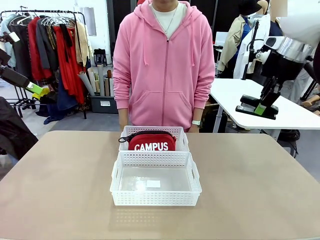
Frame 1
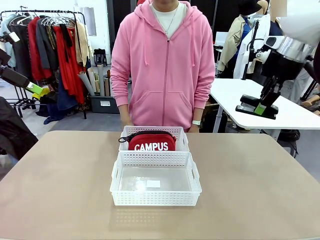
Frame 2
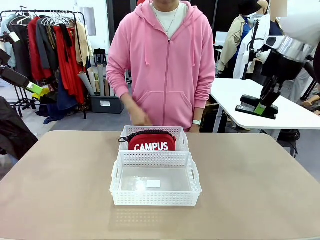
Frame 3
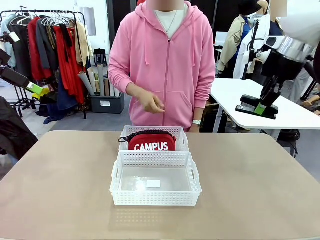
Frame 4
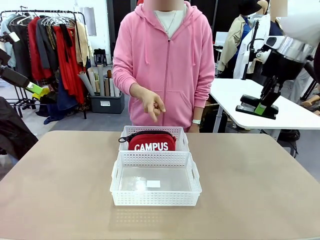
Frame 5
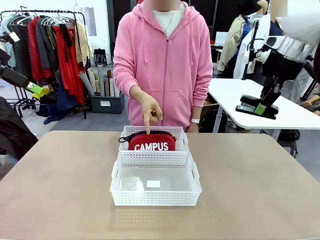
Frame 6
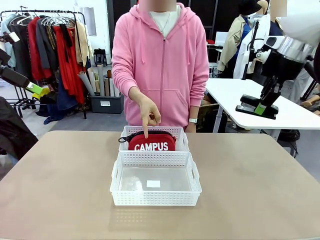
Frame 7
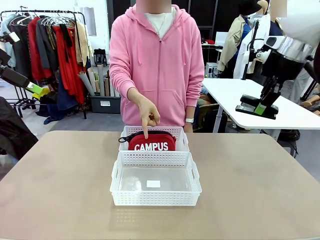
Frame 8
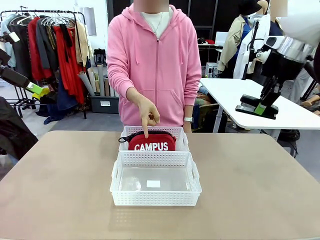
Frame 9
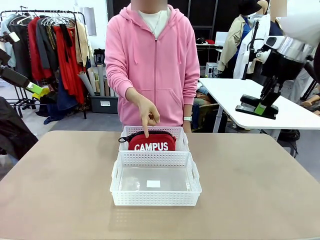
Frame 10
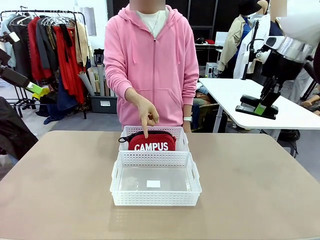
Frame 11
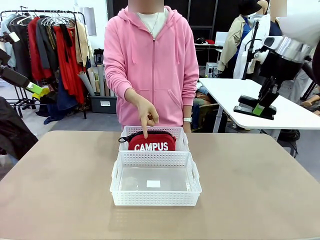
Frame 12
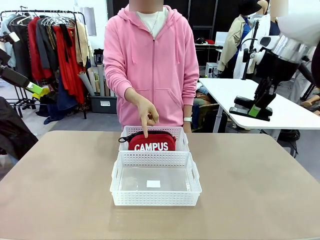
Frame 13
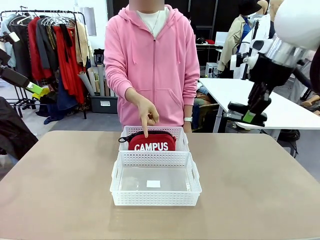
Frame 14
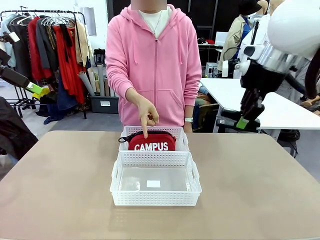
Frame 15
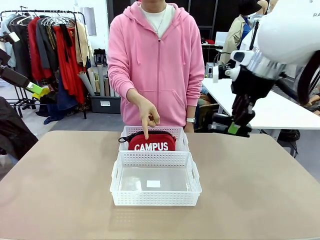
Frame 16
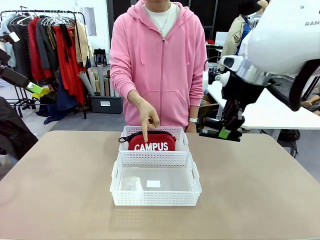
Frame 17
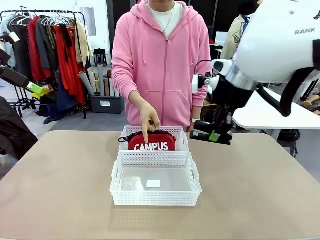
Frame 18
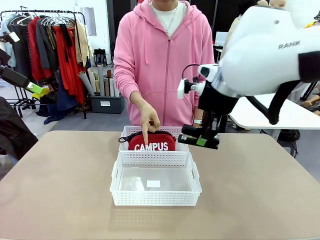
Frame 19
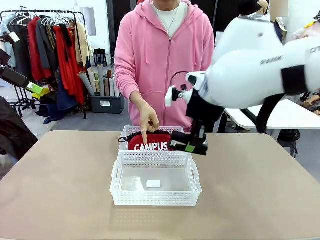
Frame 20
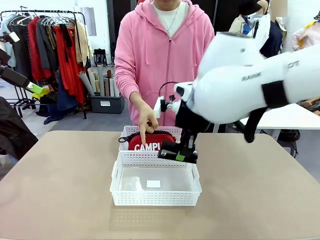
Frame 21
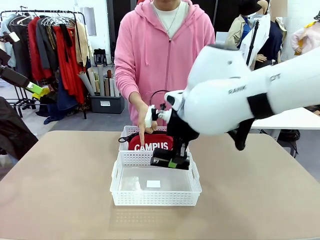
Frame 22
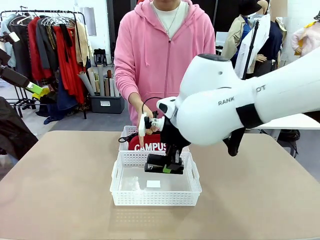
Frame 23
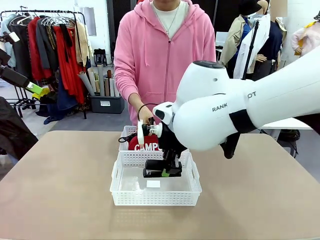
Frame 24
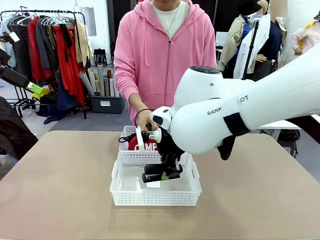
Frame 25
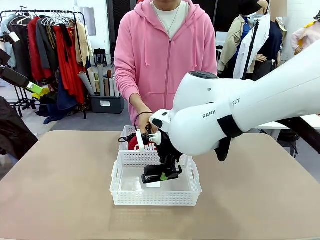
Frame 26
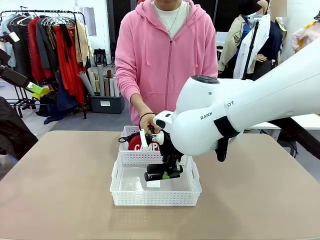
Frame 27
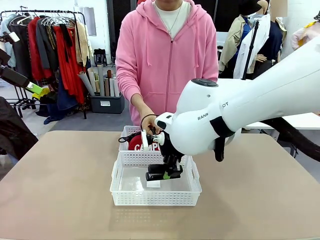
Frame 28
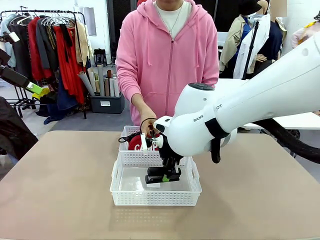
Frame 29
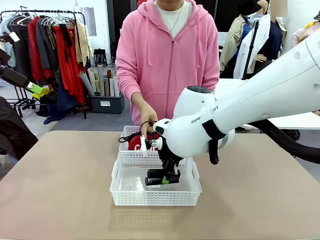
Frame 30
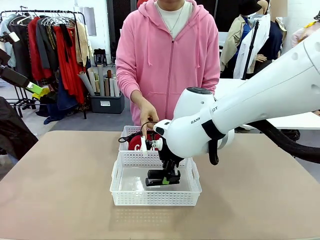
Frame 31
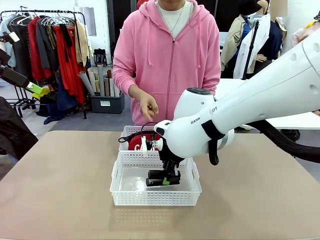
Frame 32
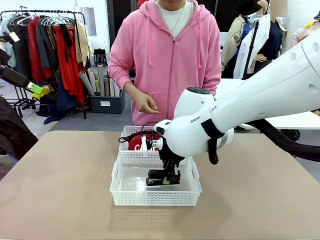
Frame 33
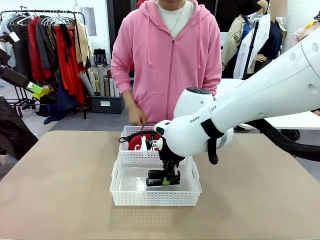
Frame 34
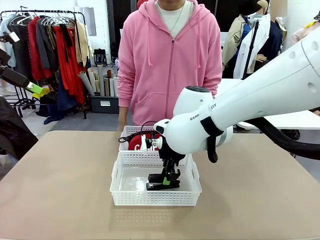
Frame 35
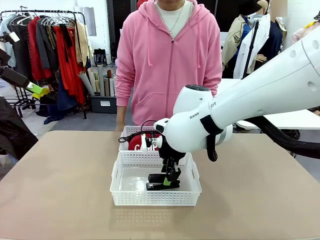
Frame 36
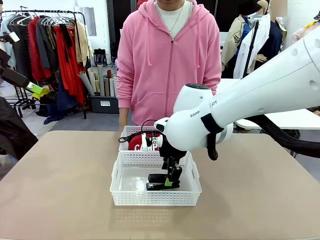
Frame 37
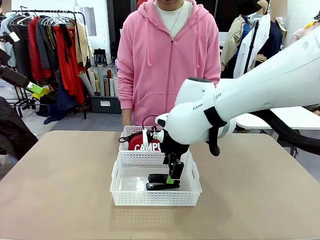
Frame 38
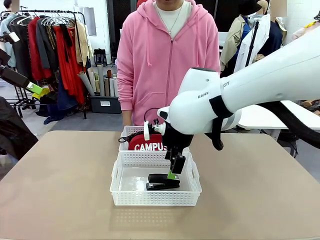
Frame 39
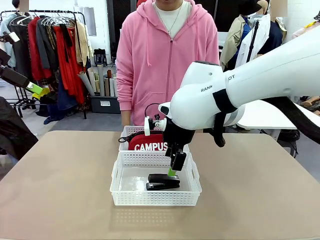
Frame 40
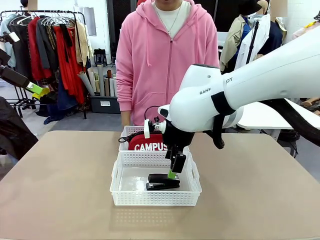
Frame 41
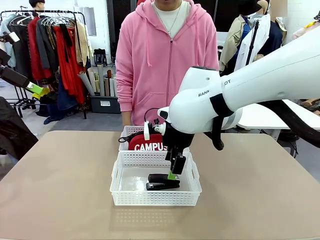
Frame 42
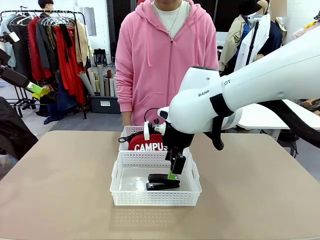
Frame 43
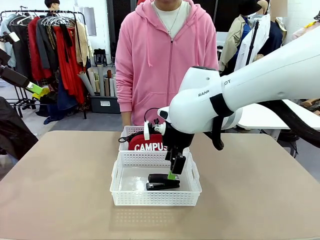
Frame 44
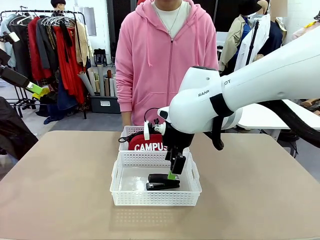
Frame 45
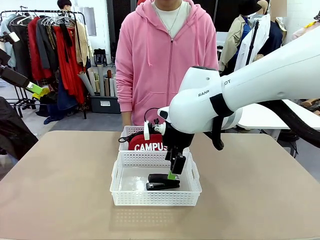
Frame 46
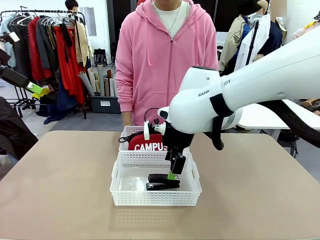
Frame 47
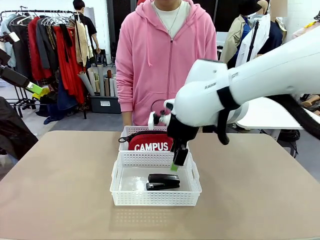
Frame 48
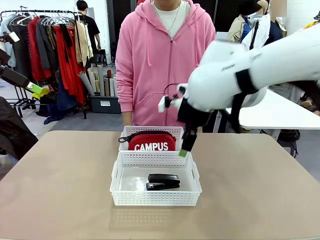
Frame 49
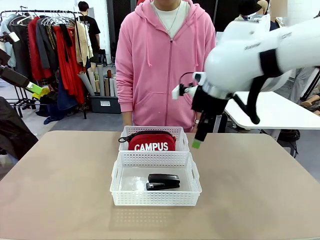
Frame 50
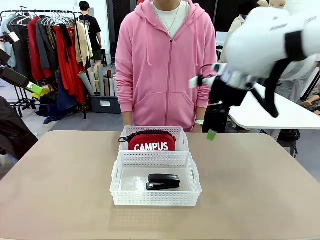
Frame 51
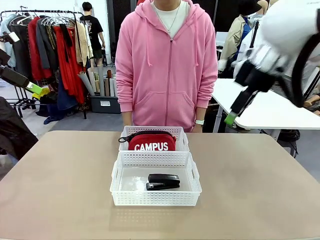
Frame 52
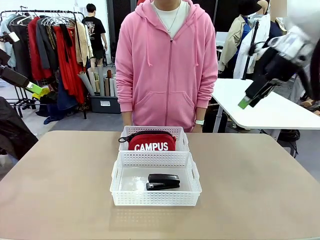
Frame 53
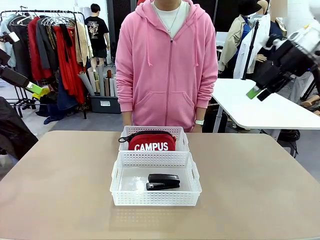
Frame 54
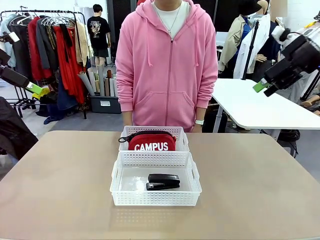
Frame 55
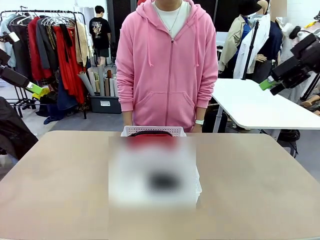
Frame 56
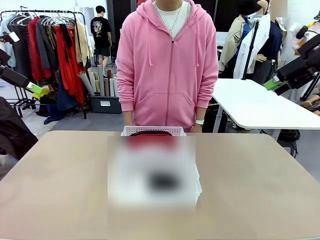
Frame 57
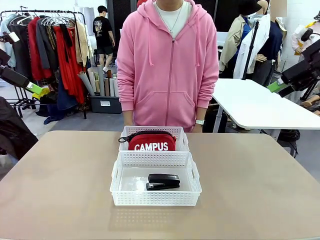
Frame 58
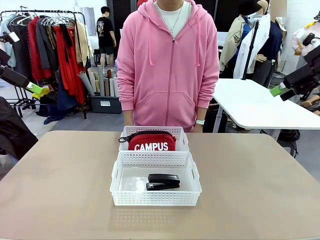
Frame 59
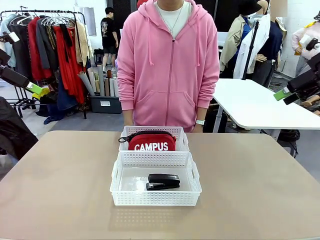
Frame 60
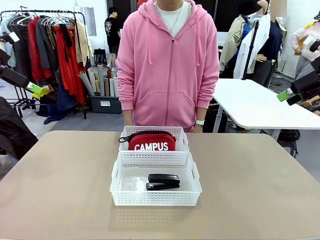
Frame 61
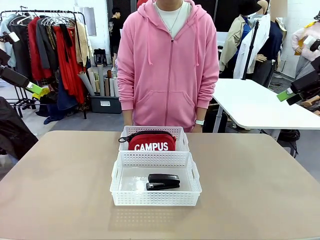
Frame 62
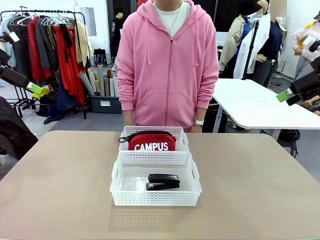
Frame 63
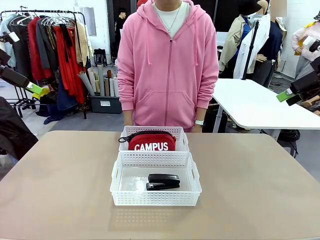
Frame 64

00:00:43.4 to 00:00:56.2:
Task: Distribute items into two baskets.
Robot: Place the picked Stapler into the Organizing basket as instructed by the person.
Person: Points to the basket that does not contain the pencil case and instructs the robot to move the stapler there.
